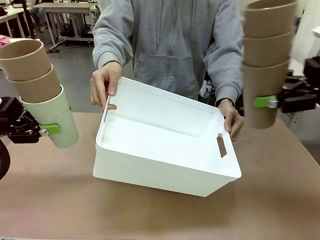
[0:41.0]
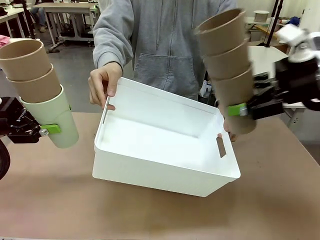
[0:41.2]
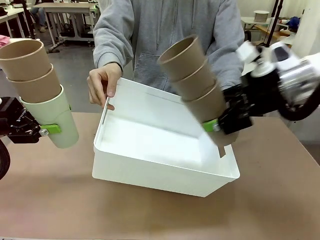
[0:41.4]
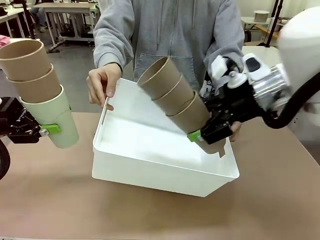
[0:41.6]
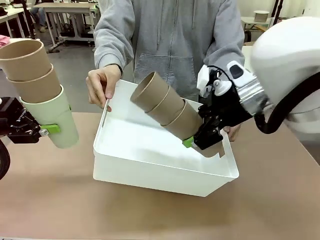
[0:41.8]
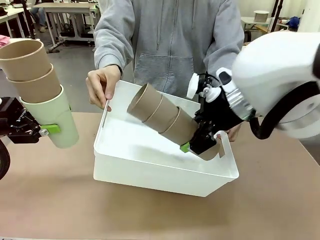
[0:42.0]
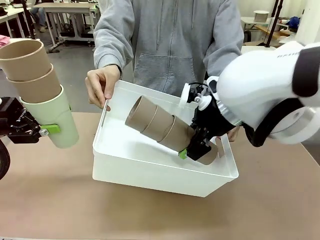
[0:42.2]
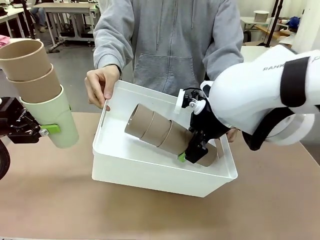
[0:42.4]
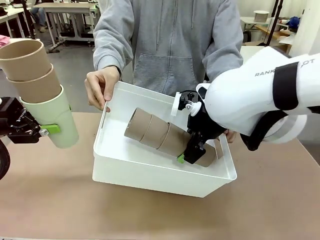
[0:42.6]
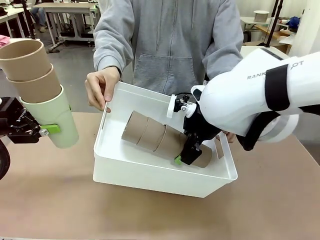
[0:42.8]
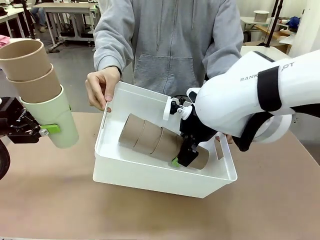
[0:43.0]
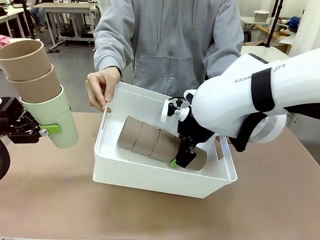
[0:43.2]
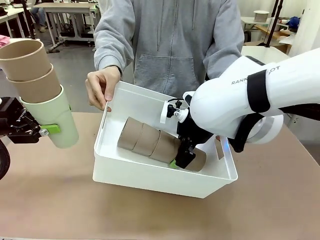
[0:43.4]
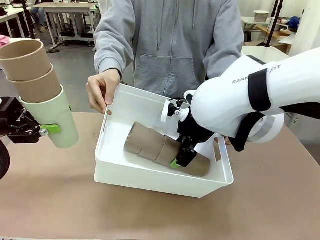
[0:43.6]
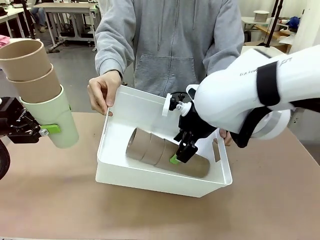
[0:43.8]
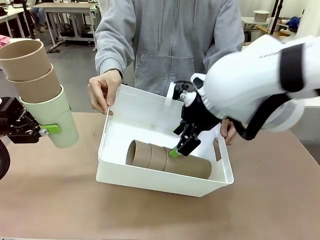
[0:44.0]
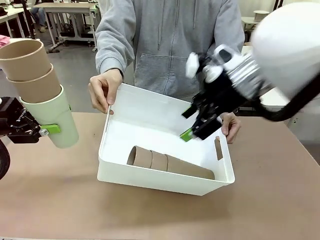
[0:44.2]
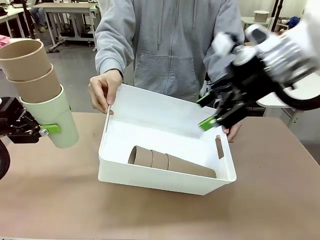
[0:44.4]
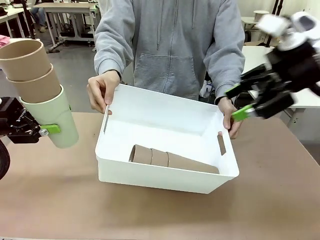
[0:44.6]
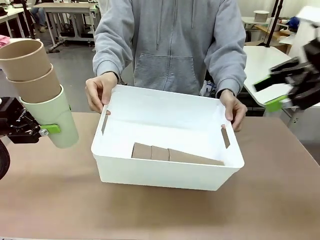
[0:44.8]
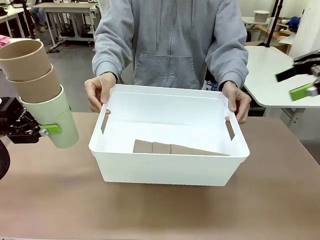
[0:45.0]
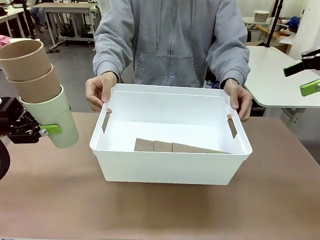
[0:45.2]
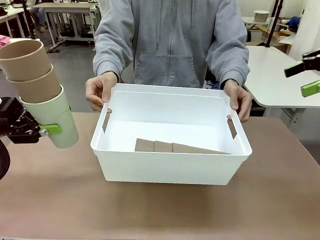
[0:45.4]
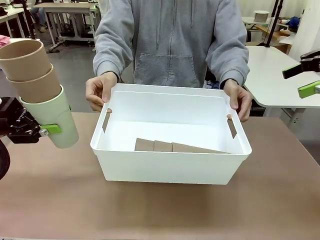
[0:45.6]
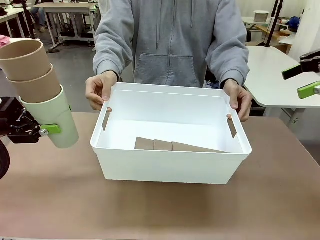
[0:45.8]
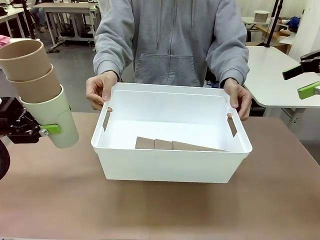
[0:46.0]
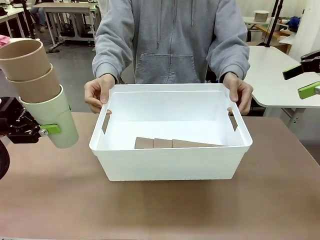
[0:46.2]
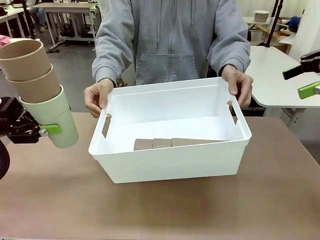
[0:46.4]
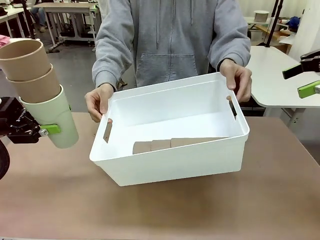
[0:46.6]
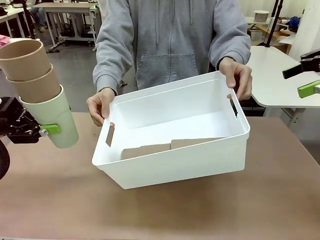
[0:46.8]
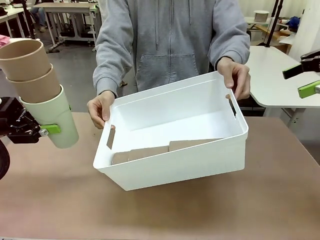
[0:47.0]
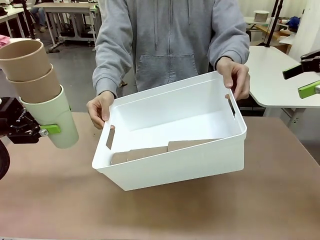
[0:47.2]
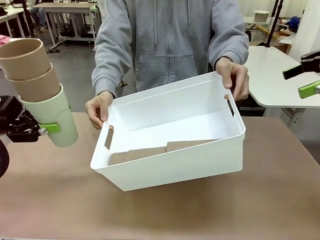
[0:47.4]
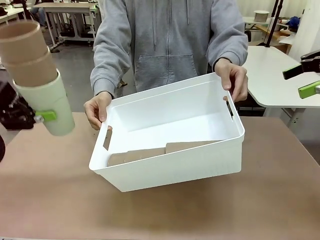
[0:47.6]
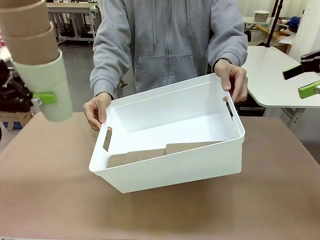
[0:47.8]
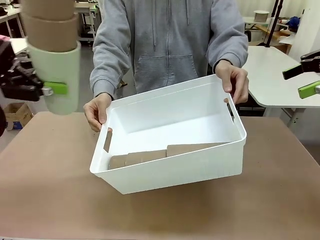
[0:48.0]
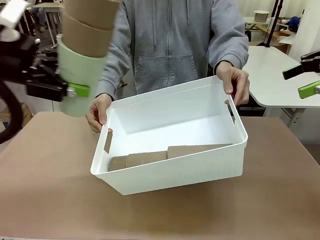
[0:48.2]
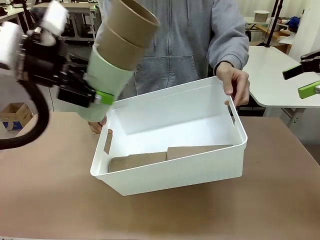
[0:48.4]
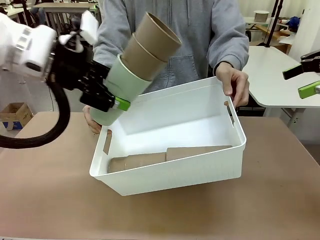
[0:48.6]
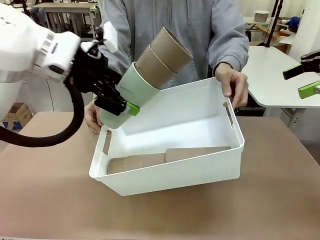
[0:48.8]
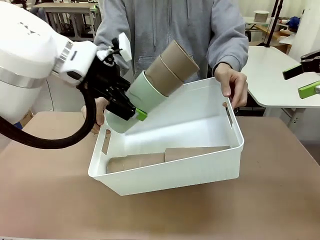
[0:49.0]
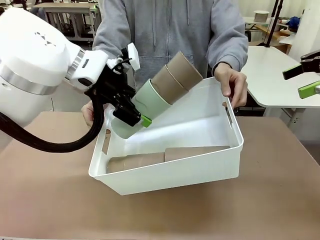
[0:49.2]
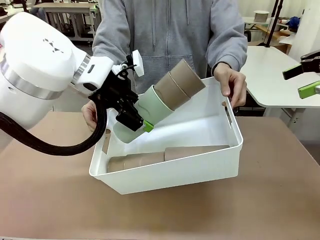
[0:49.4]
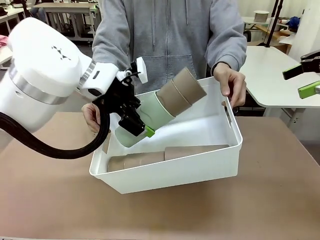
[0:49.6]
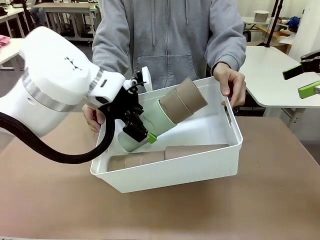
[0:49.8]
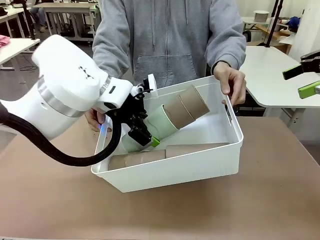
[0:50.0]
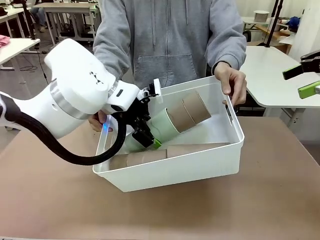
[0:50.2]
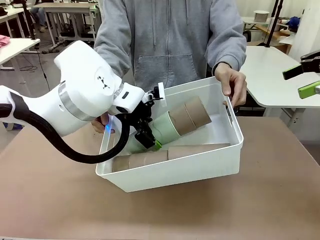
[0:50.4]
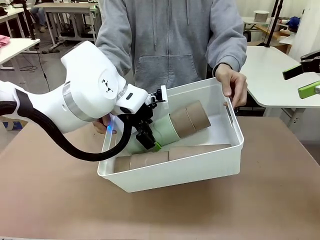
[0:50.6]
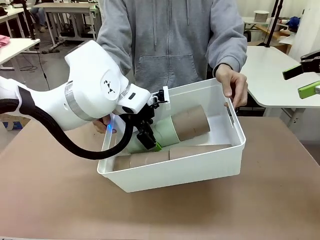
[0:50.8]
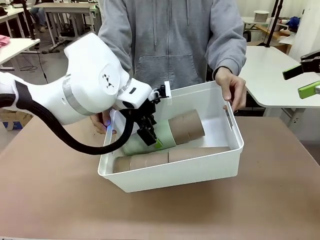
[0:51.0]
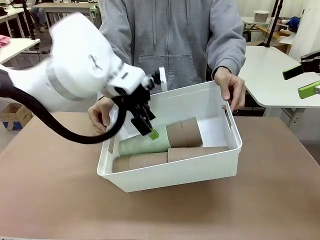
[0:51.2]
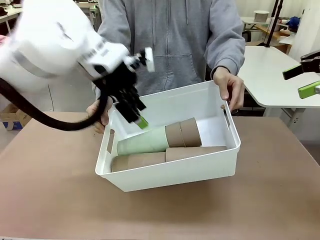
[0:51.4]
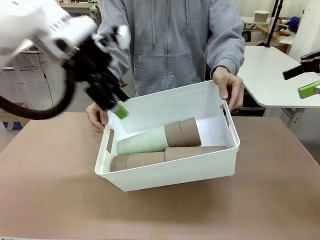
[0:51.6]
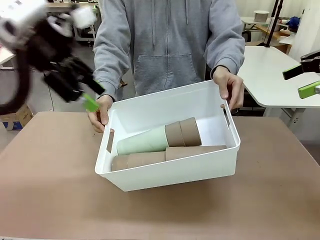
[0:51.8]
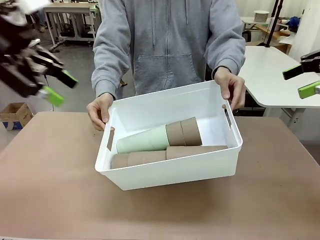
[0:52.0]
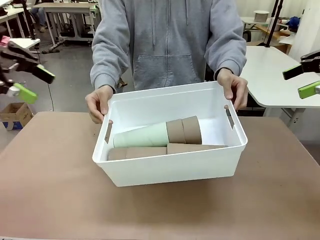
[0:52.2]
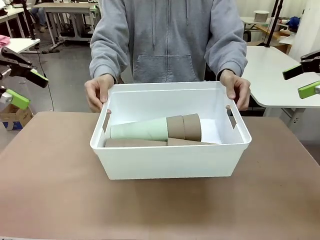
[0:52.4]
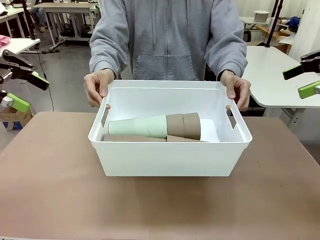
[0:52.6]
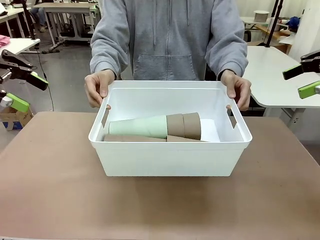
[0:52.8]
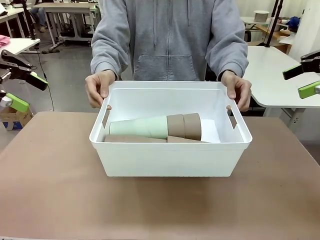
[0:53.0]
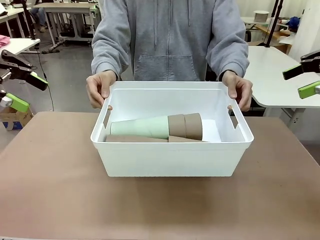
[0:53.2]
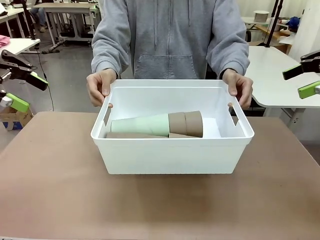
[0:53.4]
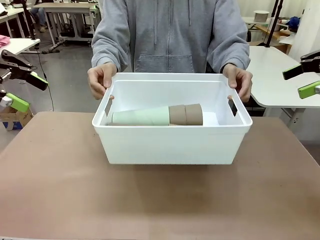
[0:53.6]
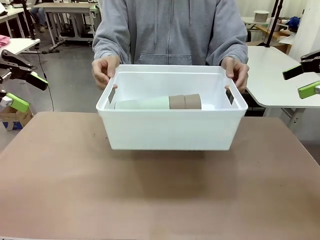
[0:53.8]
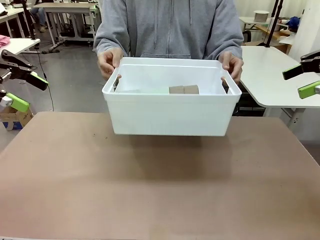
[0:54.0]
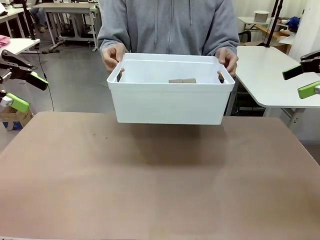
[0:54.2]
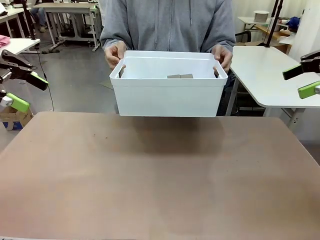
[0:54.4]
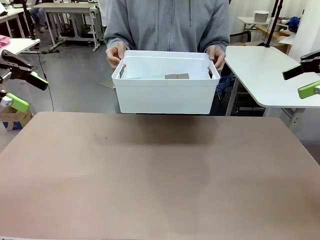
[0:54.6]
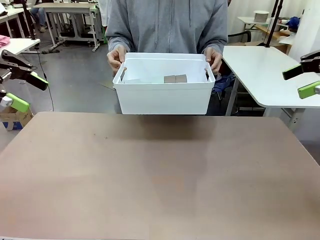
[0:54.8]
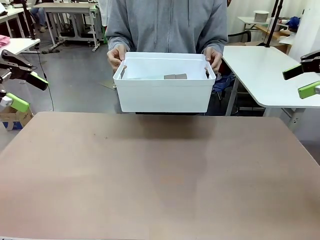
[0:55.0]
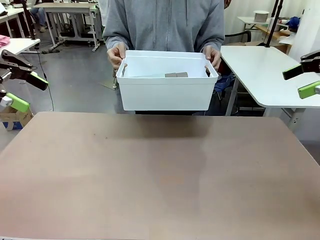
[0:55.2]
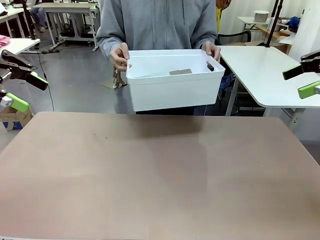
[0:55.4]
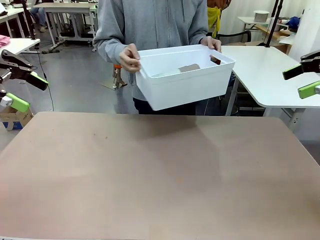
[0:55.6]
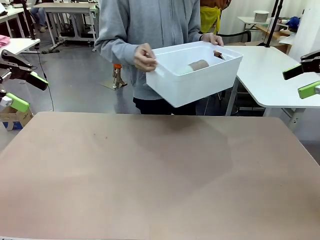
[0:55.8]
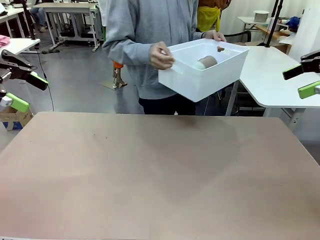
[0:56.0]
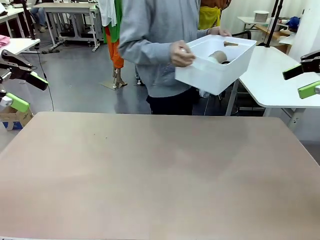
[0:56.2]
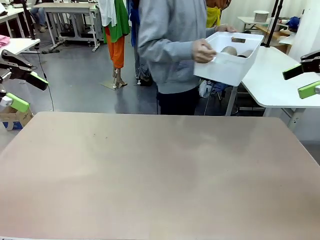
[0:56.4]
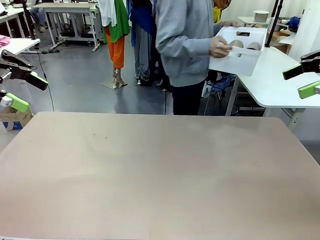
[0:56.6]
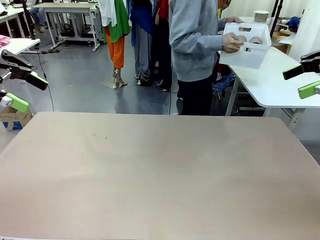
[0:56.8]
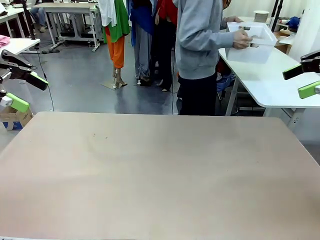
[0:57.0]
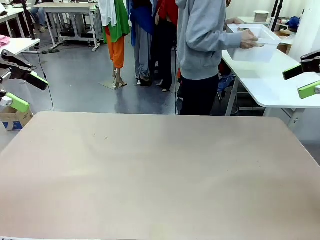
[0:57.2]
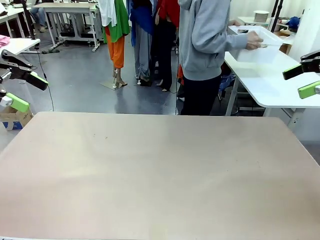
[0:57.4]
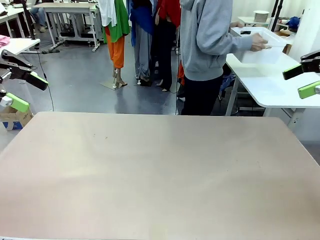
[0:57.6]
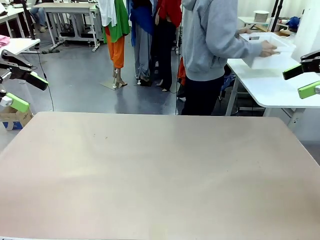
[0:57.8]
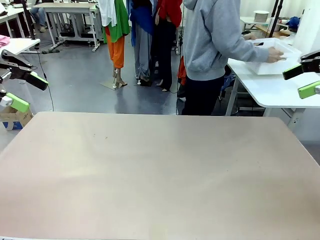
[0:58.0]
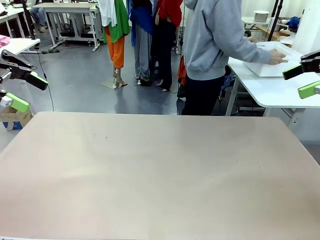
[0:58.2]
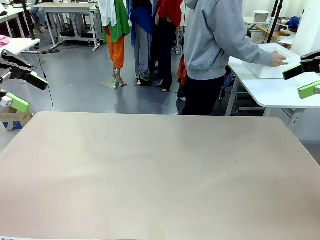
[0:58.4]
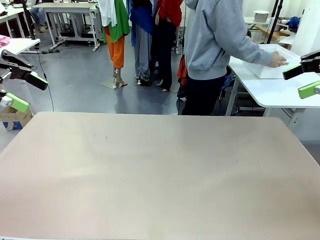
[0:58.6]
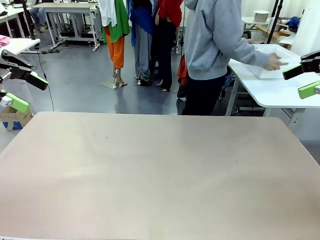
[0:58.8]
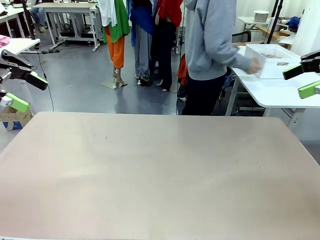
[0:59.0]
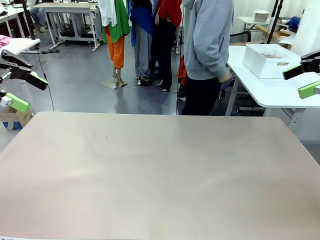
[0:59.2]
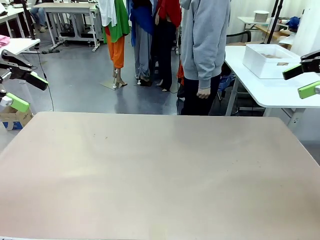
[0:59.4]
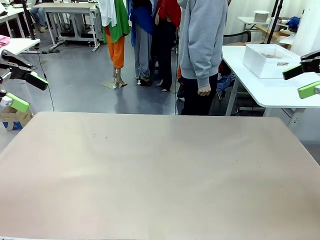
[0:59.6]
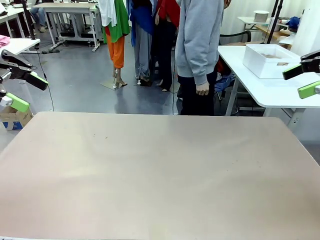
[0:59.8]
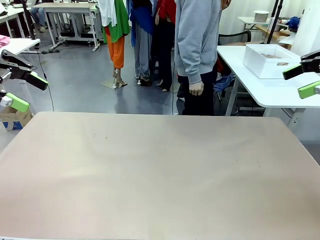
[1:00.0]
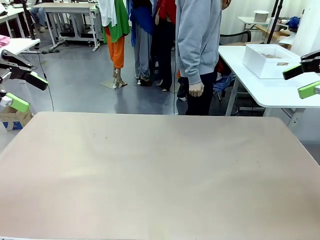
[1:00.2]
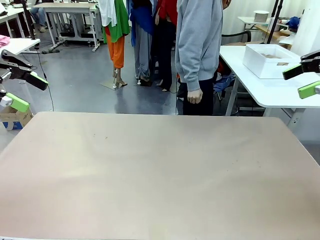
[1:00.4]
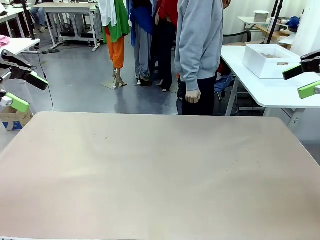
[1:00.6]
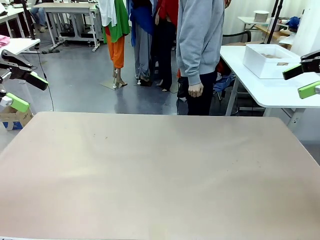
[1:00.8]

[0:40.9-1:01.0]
Task: Stack the cups and store them in the basket.
Robot: Place the stack of Reusable plastic cups into the Pantry Basket.
Person: Place the basket containing the cups in the middle of the Human Table.
